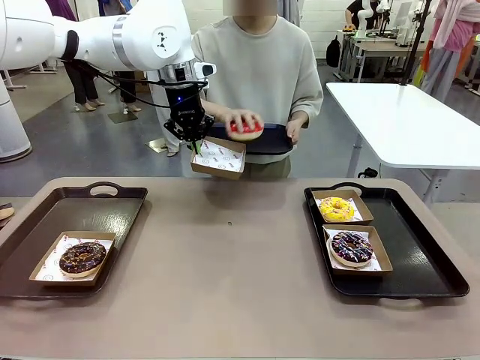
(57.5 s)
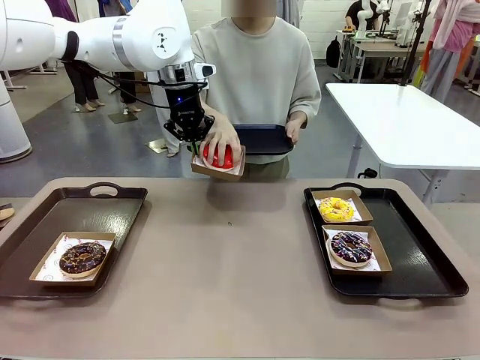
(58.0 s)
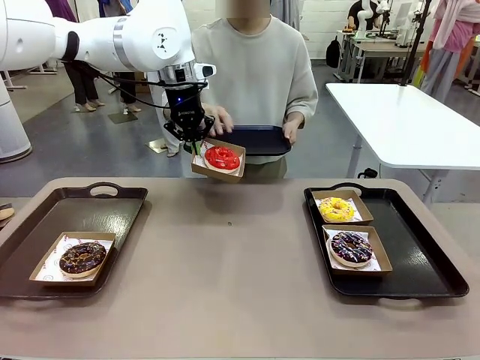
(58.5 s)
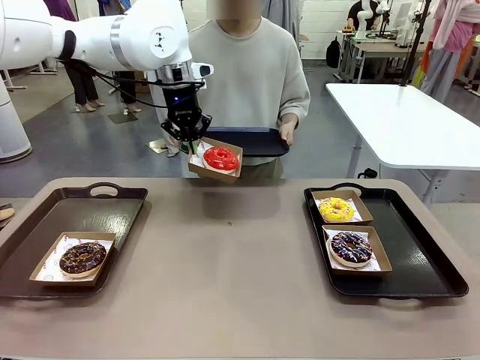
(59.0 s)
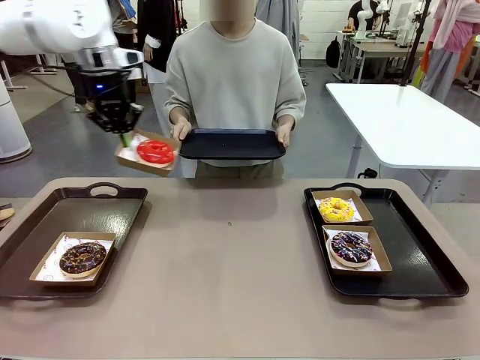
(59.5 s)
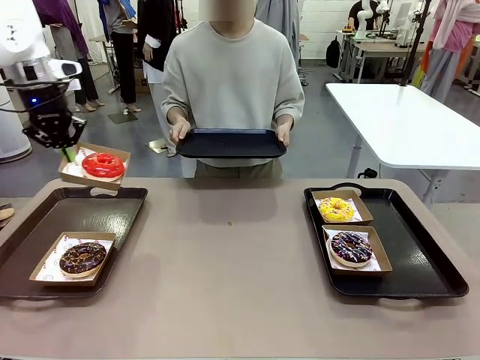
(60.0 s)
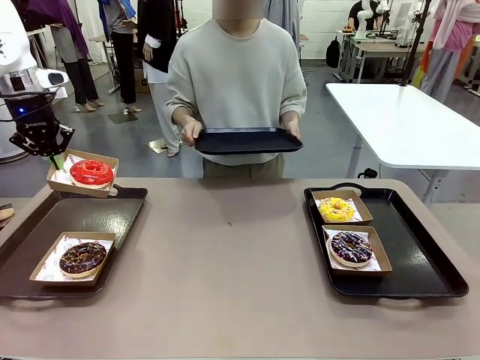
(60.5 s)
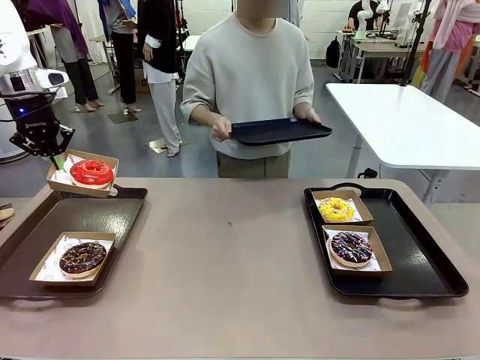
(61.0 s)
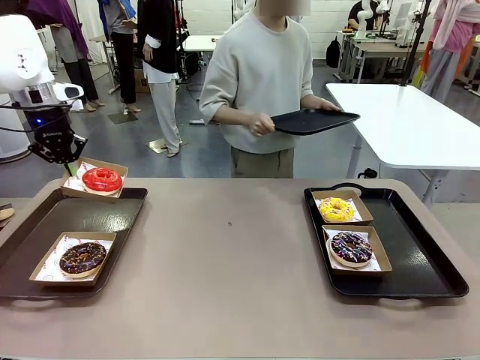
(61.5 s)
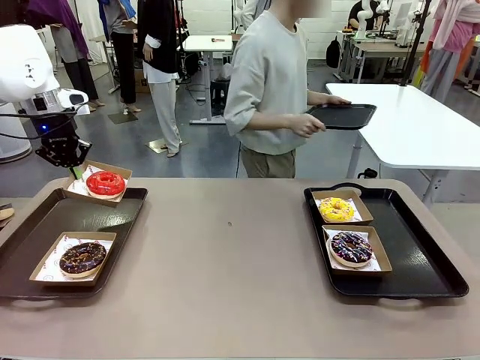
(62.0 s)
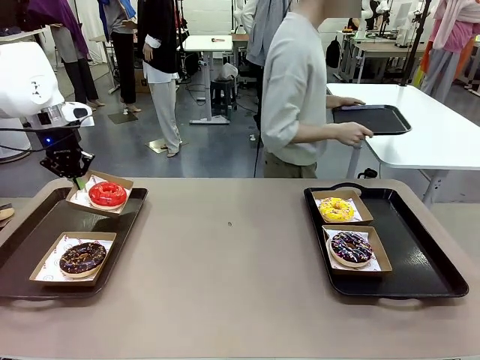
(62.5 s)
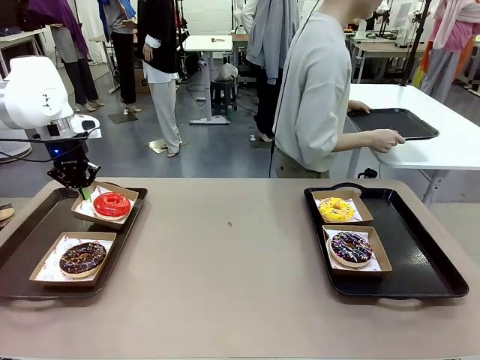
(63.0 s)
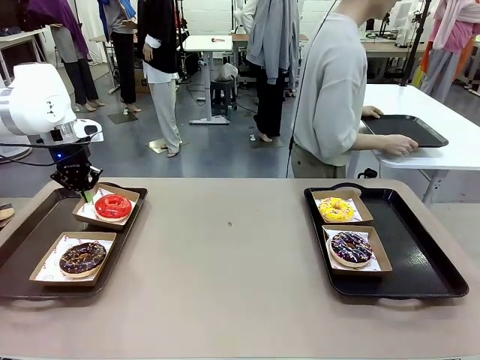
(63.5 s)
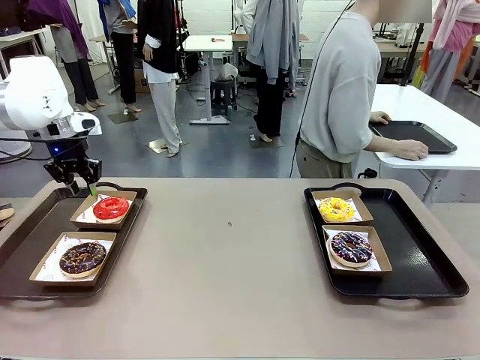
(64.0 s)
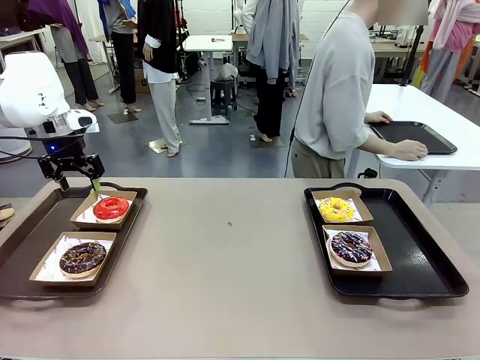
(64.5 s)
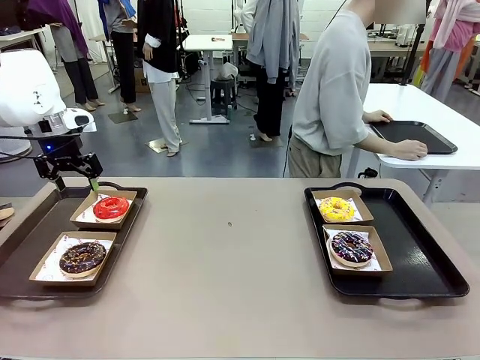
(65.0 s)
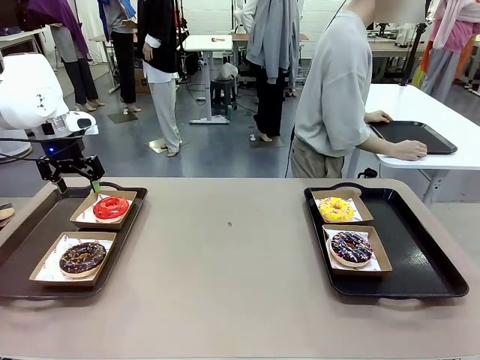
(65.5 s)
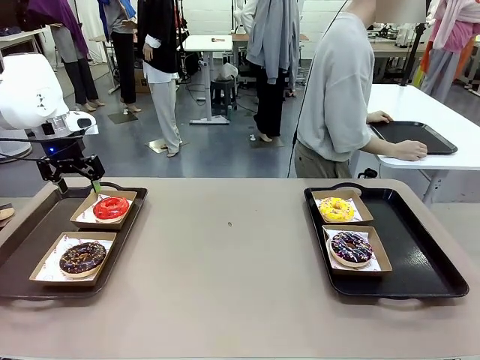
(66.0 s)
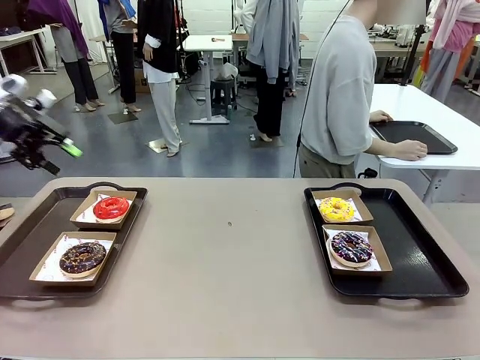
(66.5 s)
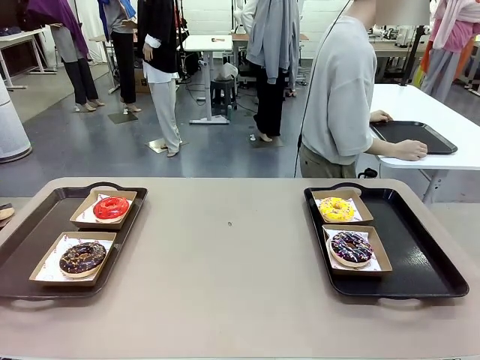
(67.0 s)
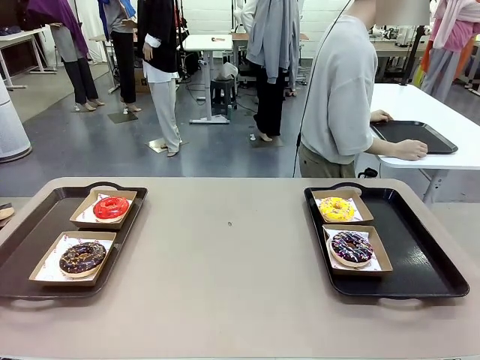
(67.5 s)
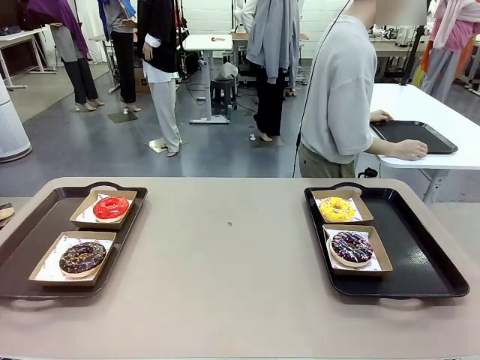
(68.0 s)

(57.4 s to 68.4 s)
Task: Individually package the donuts and arrange them on the tray.
Robot: Place the picked Paper togo box on the Handle tray.
Person: Place the tray down in the middle of the human table.

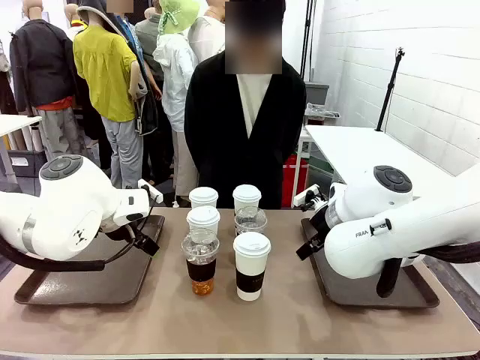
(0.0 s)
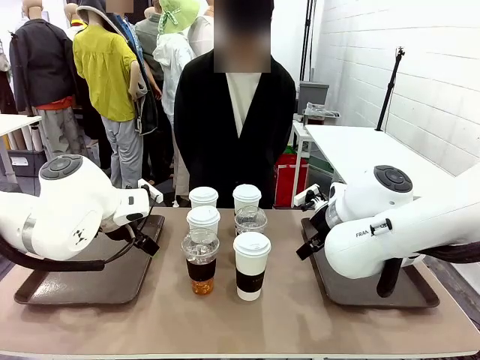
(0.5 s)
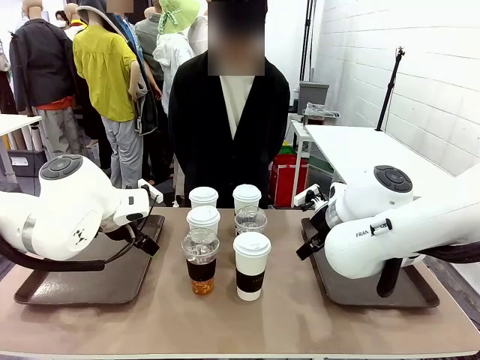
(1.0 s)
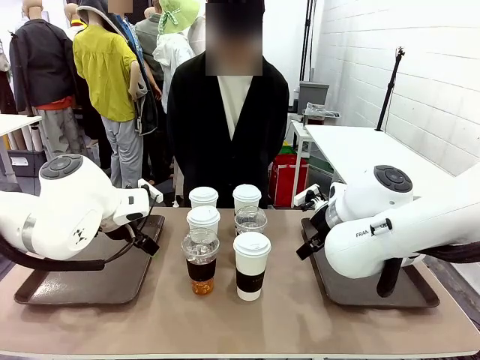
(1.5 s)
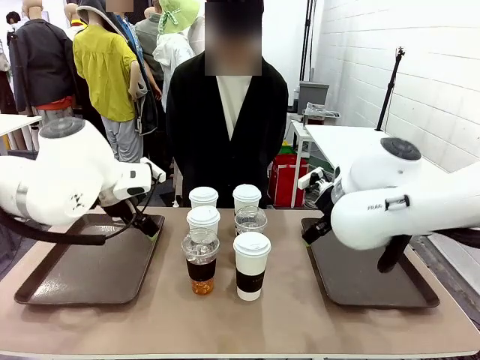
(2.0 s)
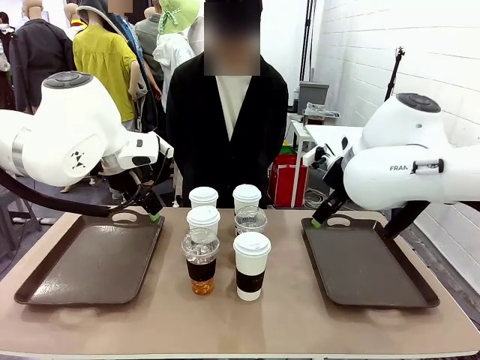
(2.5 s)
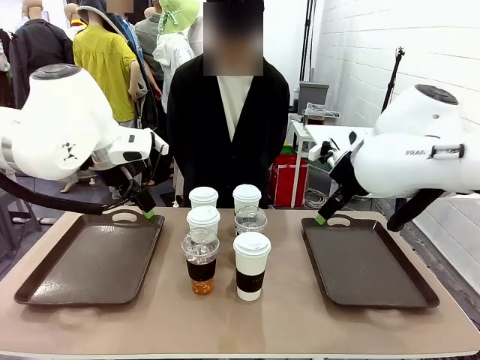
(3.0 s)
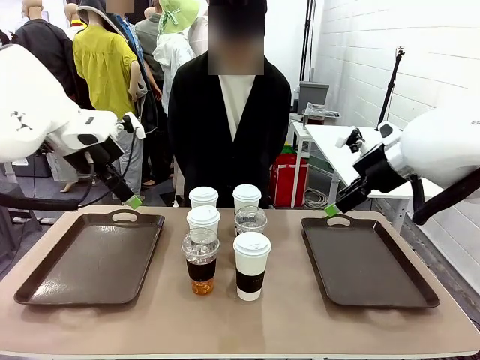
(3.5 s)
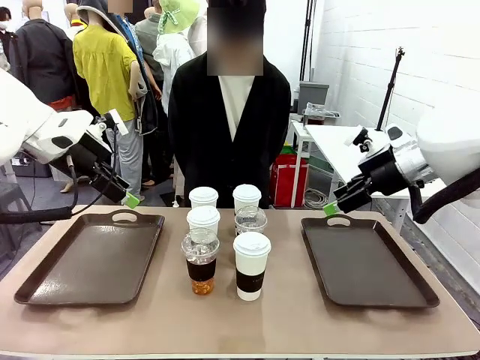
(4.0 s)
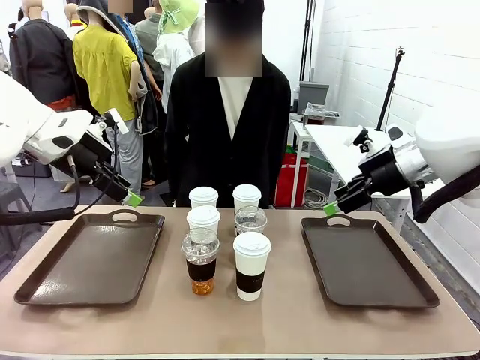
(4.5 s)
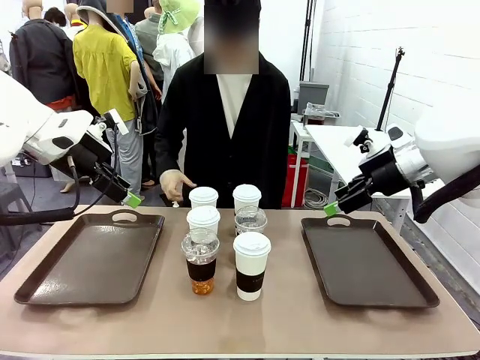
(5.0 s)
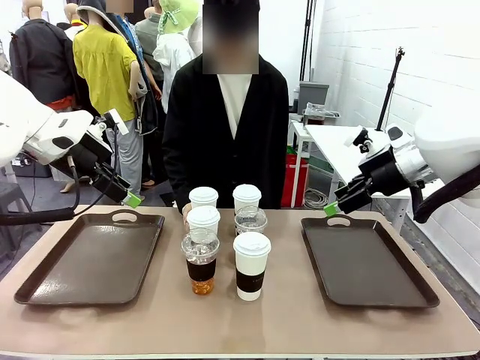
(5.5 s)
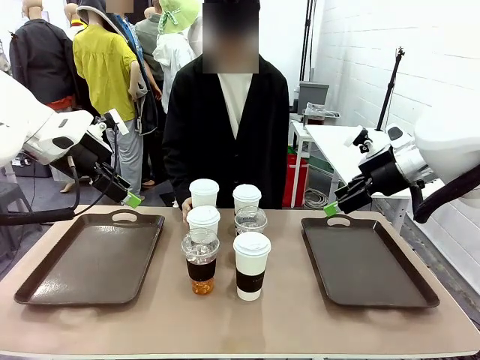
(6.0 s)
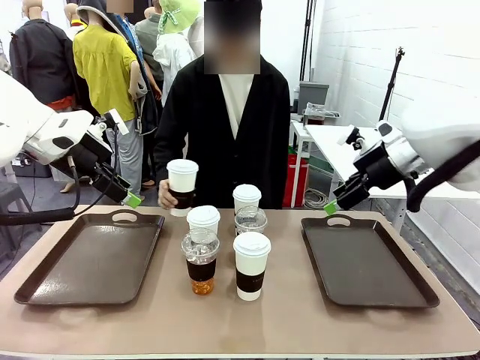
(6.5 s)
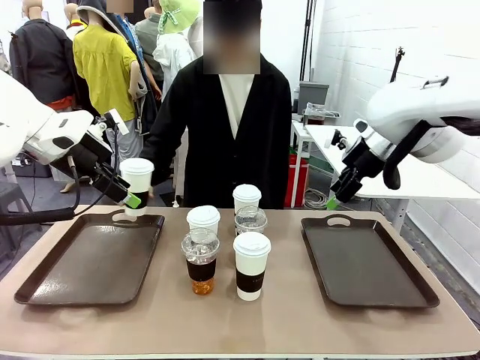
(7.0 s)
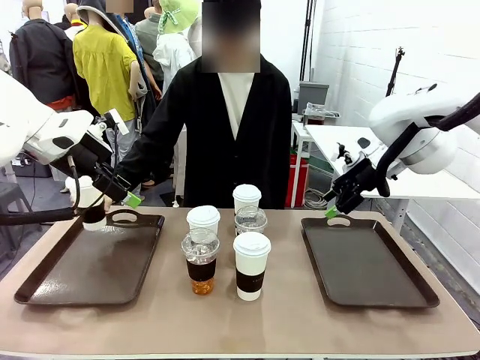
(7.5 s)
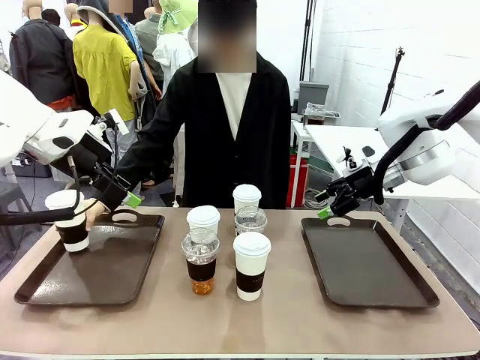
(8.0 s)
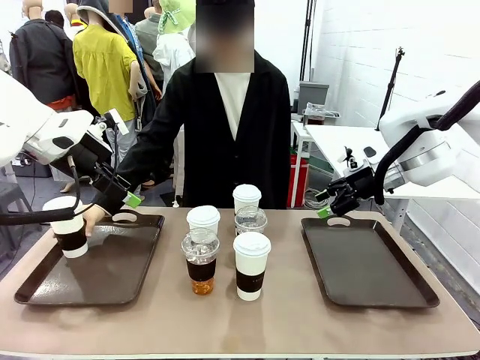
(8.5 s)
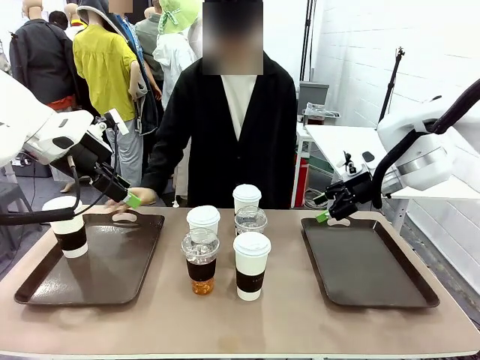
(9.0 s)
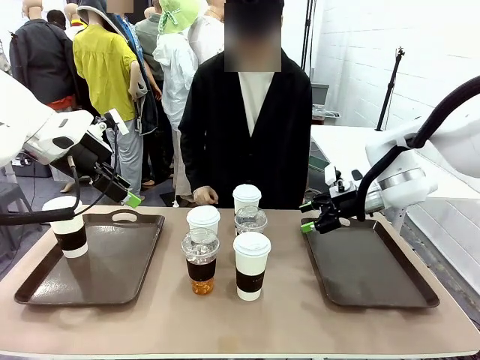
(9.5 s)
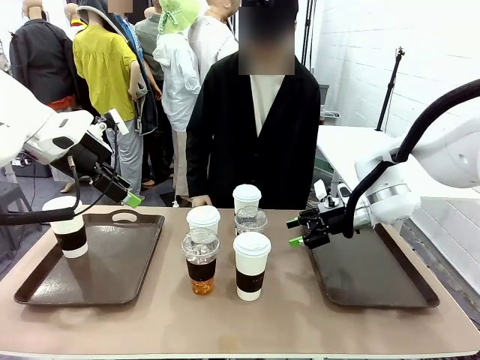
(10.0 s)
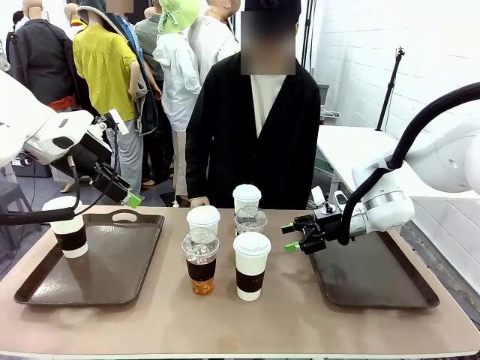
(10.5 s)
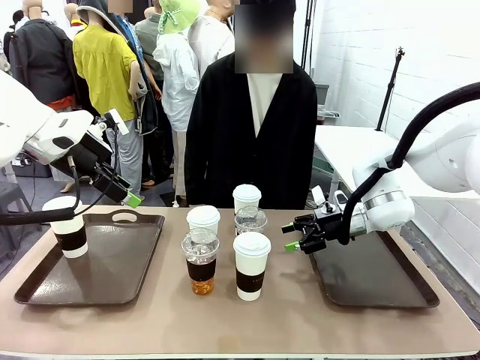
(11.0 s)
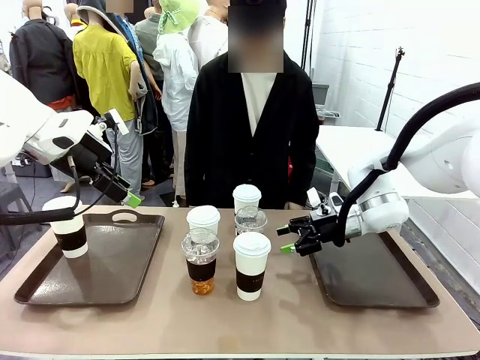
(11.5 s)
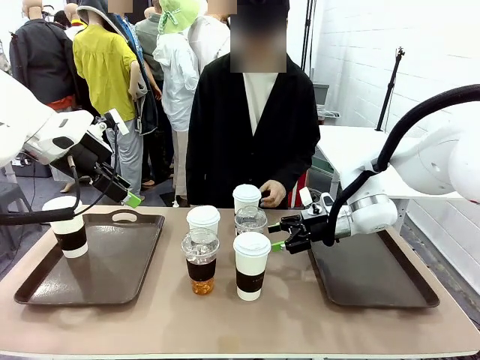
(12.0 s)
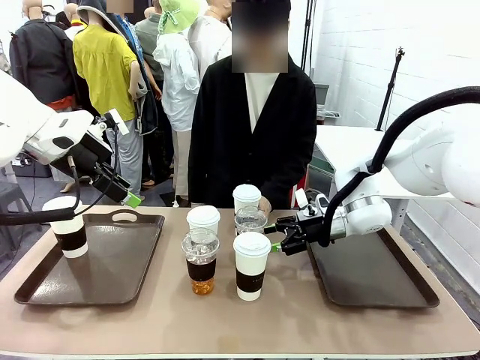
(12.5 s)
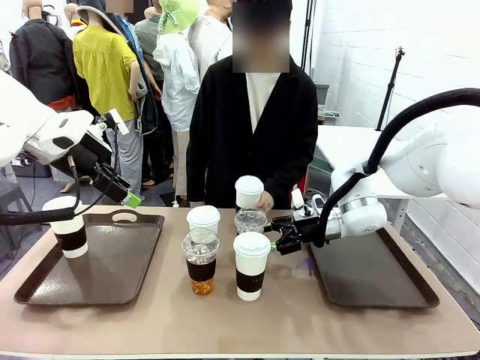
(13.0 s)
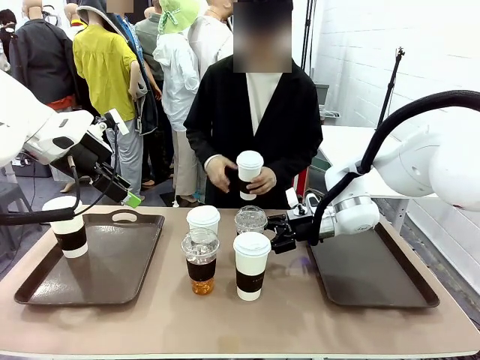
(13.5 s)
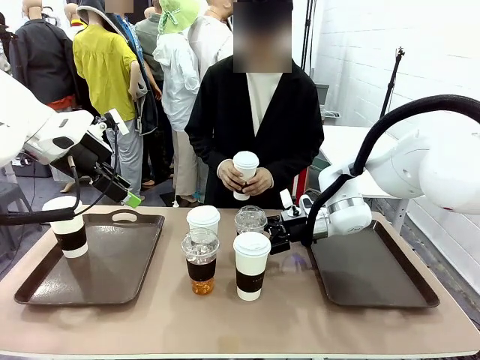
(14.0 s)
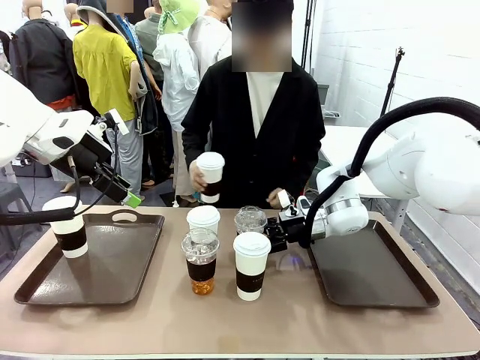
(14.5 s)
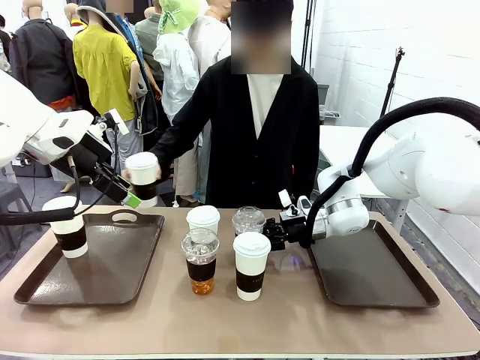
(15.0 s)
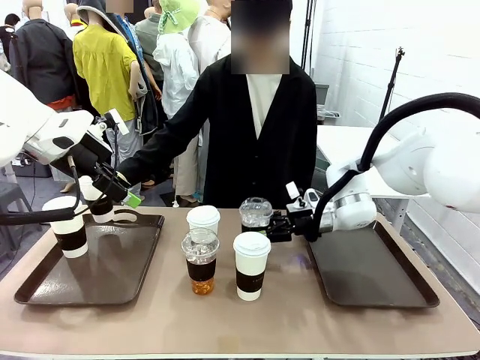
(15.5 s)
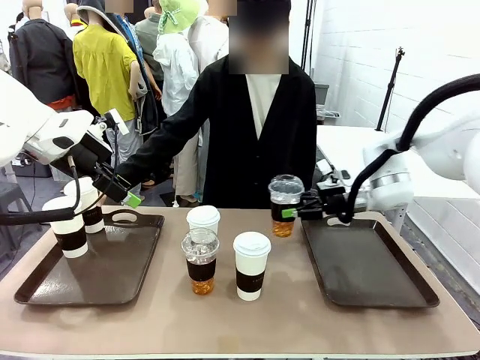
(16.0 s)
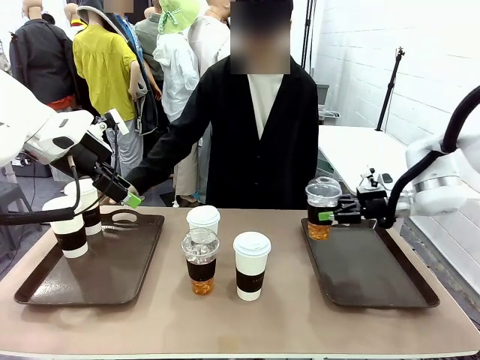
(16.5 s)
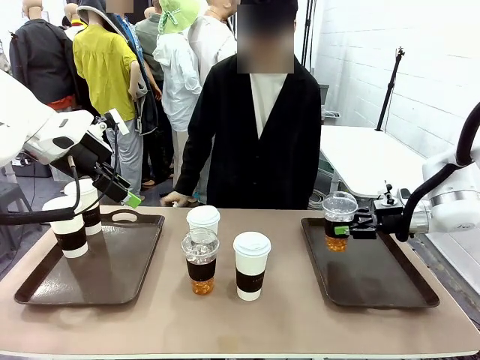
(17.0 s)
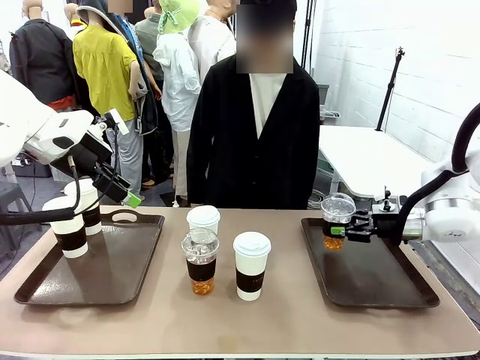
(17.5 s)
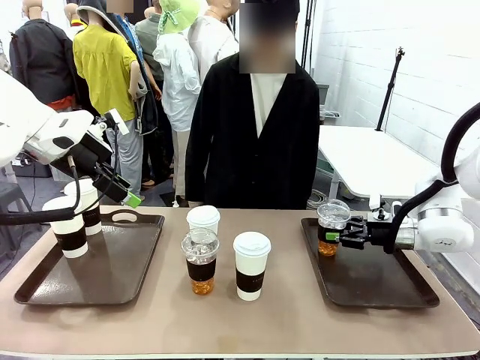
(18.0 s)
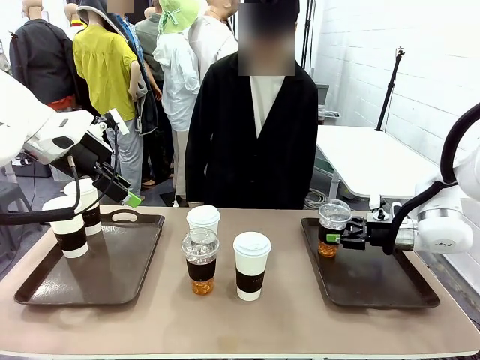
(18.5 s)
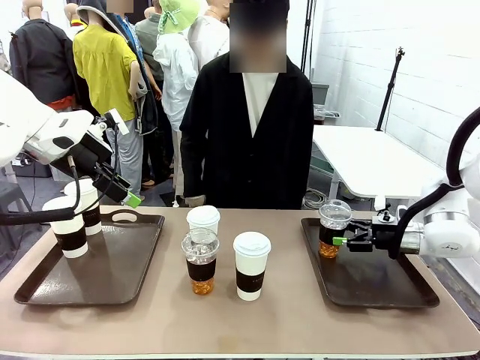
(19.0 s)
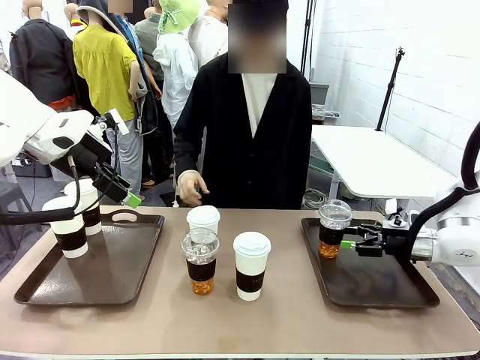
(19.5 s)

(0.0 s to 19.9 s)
Task: Distribute the coffee onto the tray.
Robot: Pick up one iced Americano and place it on the right Handle tray.
Person: Pick up a cup of hot Americano and place it on the right tray.
